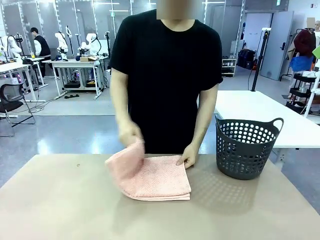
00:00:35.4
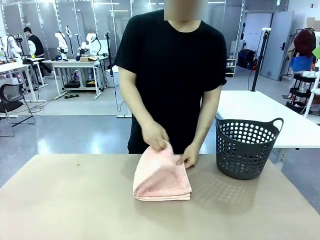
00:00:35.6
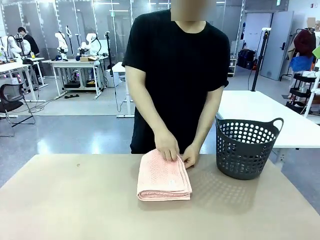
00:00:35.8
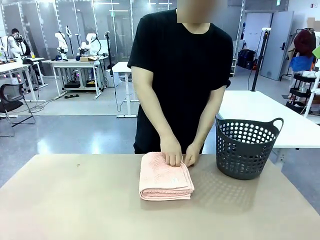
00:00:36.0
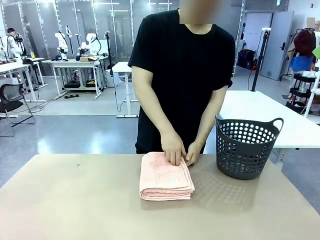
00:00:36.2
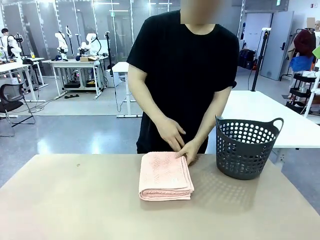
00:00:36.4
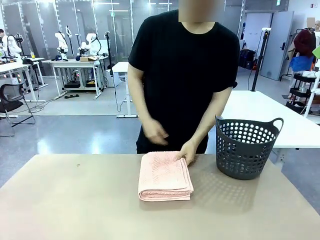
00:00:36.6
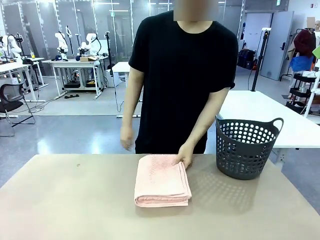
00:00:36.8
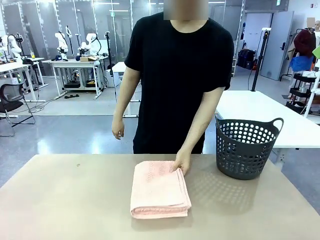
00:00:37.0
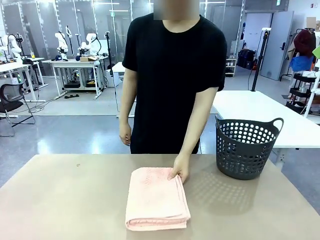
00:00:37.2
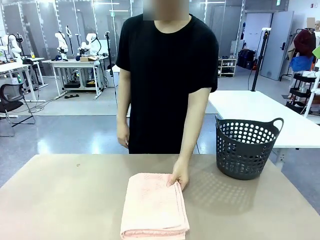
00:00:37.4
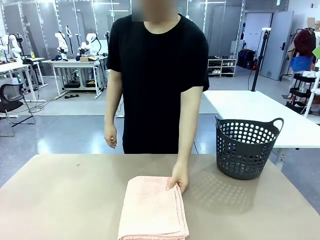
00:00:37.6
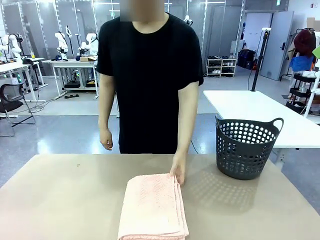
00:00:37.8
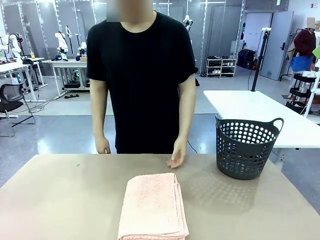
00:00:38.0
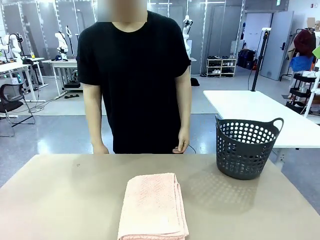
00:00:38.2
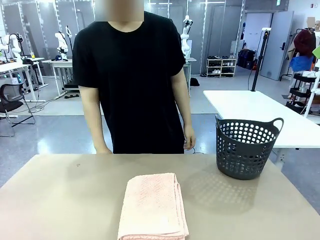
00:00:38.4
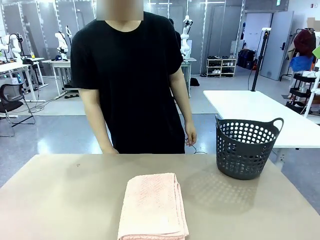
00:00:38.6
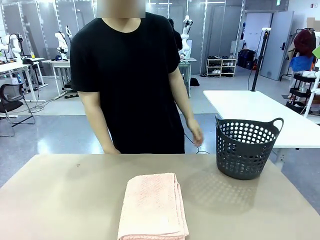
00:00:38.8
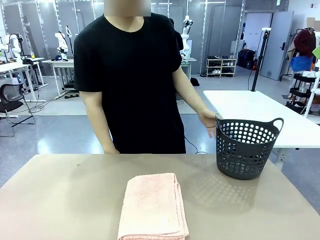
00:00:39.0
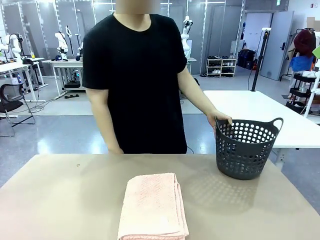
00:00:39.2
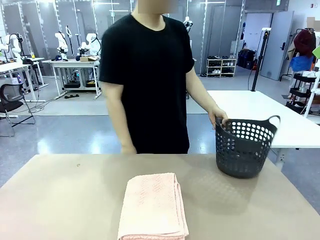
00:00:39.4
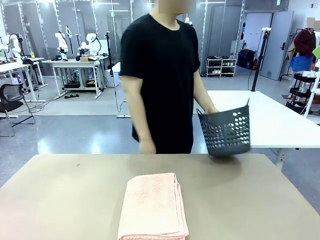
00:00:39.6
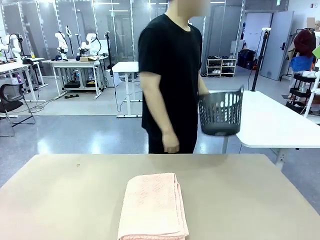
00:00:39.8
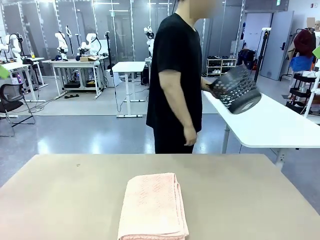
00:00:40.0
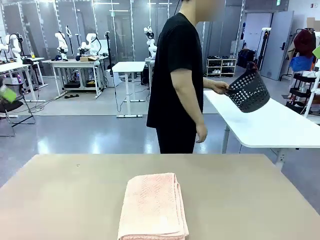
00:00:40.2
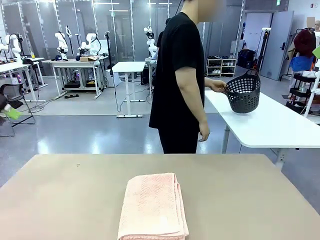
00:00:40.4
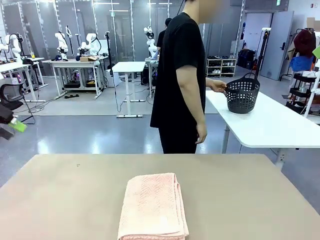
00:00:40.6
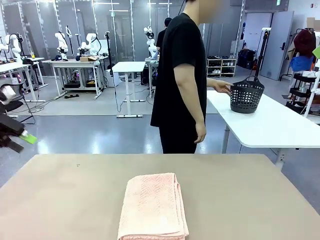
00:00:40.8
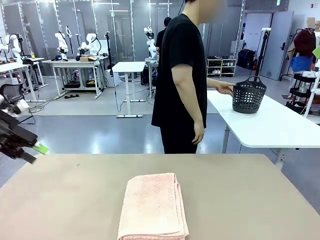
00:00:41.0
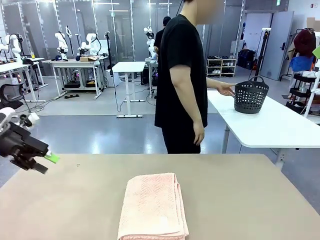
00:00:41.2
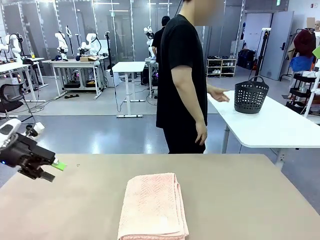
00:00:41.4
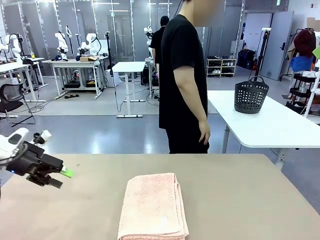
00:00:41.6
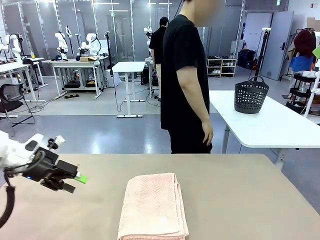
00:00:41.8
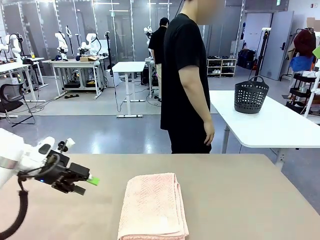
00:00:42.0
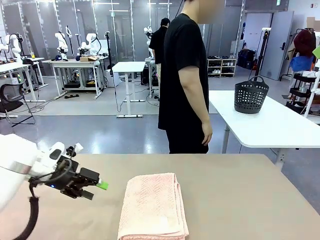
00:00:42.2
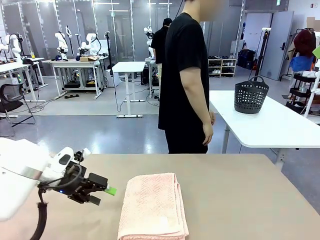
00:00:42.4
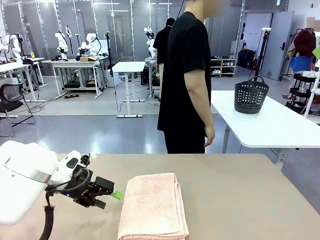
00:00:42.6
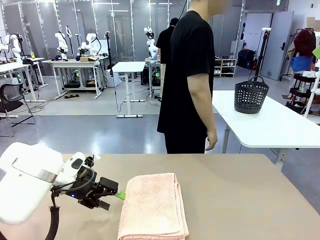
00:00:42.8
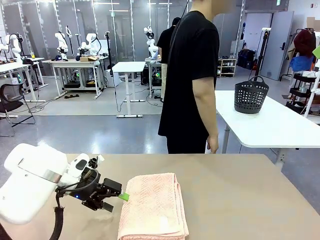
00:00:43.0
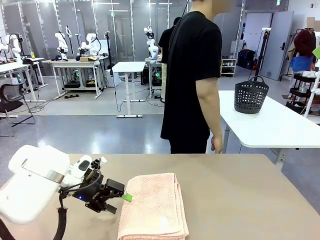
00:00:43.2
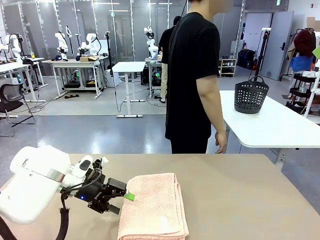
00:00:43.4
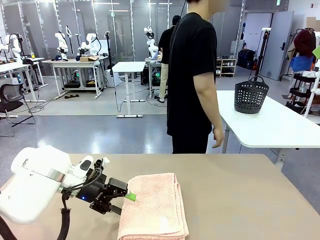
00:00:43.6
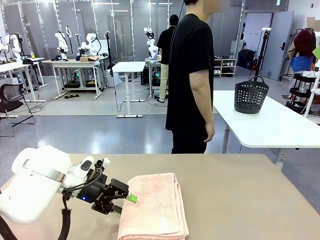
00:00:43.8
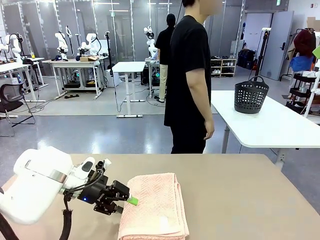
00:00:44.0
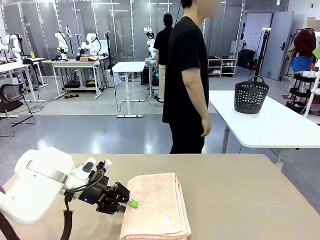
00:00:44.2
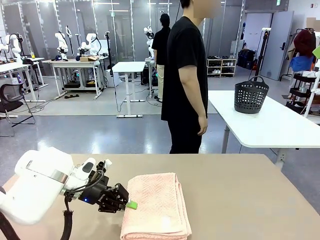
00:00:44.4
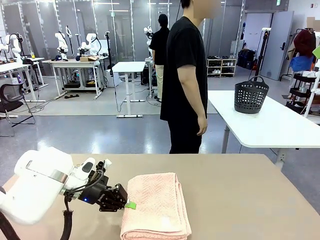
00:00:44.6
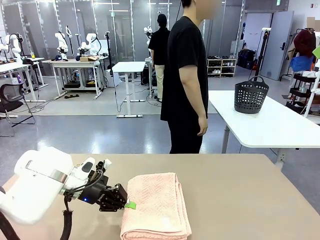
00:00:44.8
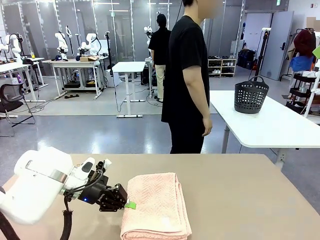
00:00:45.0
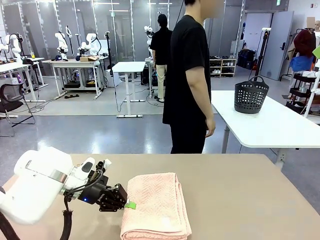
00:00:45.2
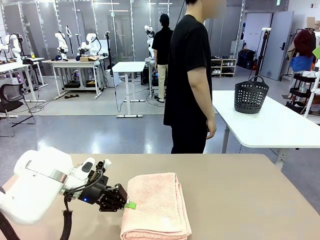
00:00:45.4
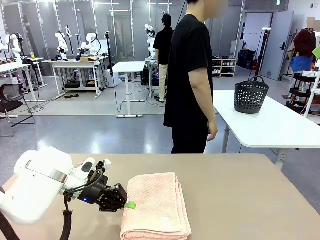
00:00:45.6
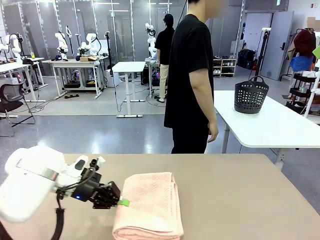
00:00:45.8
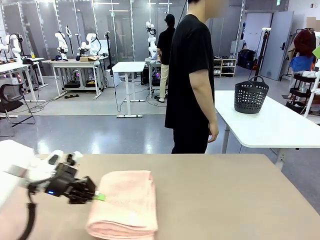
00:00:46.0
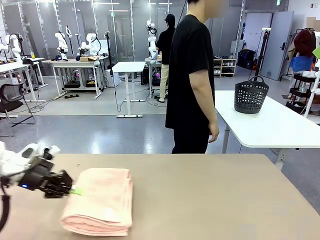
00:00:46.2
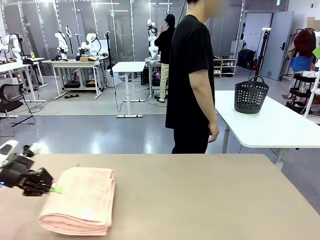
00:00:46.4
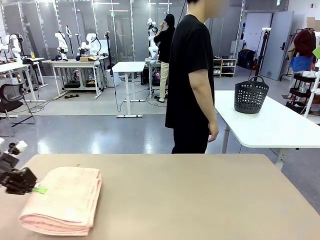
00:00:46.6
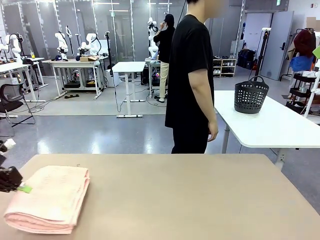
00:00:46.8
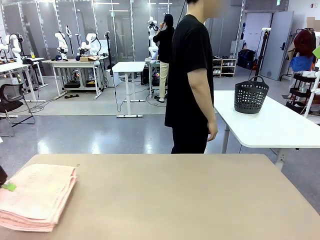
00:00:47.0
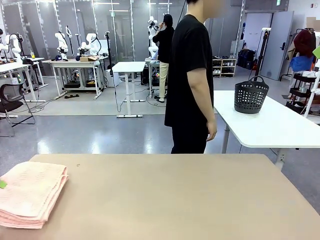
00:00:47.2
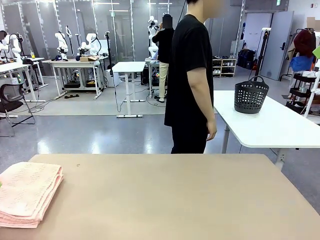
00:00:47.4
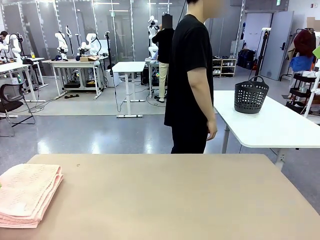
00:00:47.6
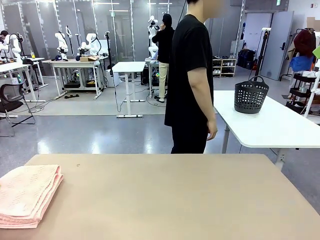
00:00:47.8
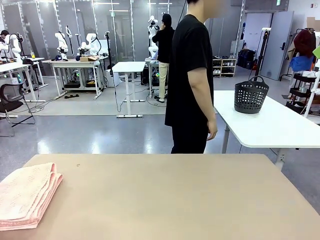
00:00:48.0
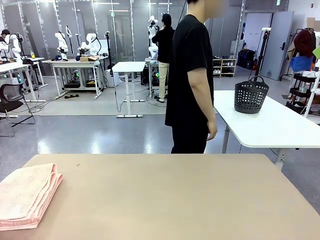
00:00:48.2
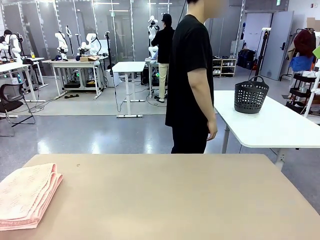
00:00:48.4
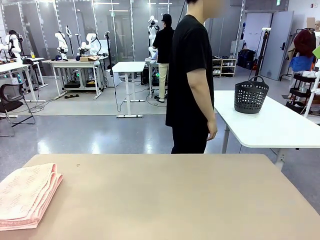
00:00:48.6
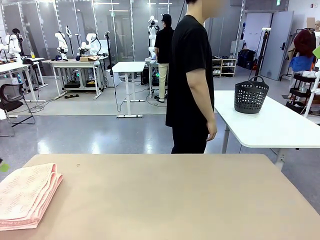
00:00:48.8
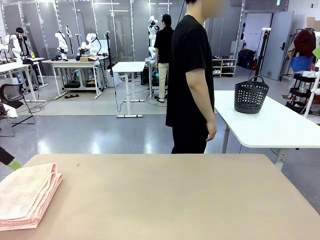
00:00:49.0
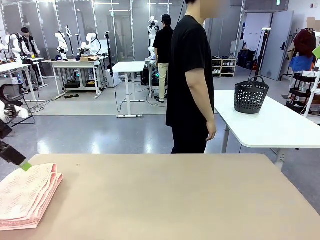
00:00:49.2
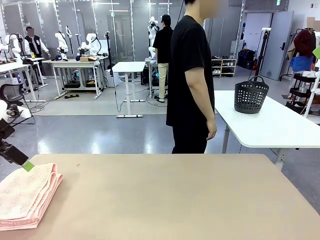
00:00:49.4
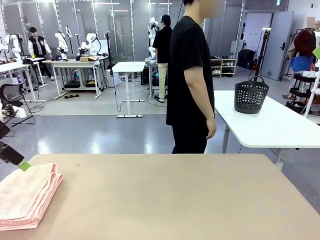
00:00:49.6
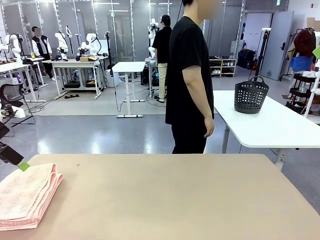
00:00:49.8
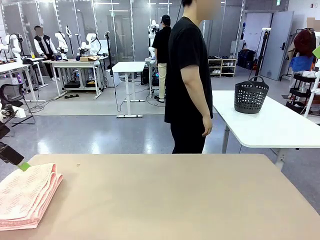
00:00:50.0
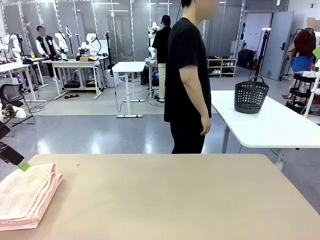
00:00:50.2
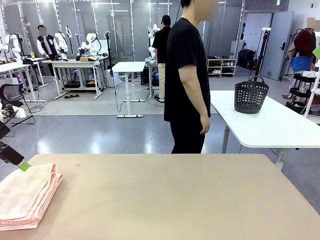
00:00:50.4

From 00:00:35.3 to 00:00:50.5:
Task: Fold the towel.
Robot: Pick up the 100 cm Hotel Towel and place it on the left side of the table.
Person: Pick up the laundry basket and place it at the center of the human table.
